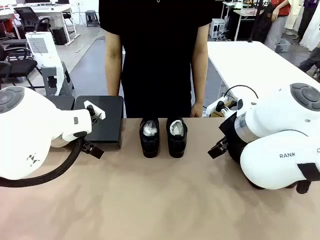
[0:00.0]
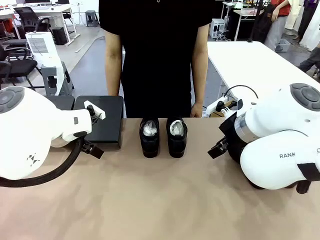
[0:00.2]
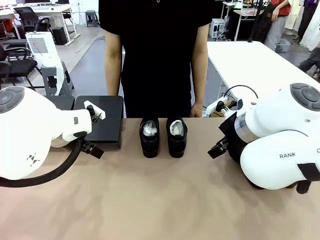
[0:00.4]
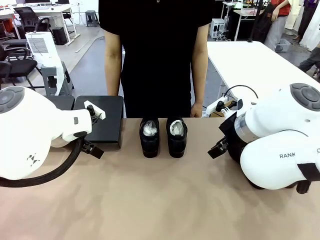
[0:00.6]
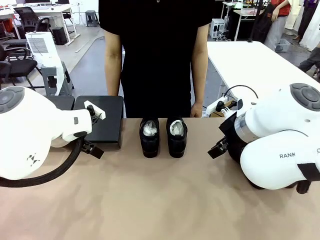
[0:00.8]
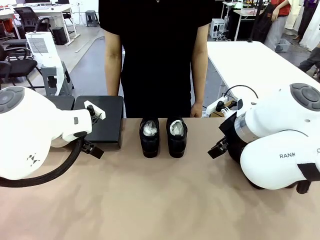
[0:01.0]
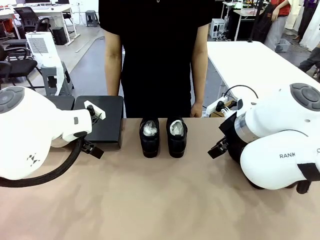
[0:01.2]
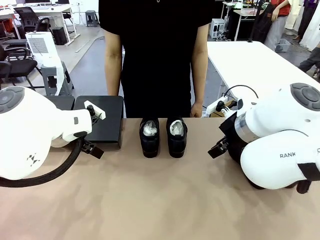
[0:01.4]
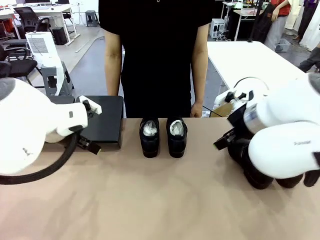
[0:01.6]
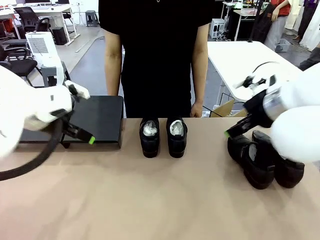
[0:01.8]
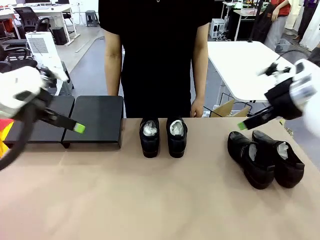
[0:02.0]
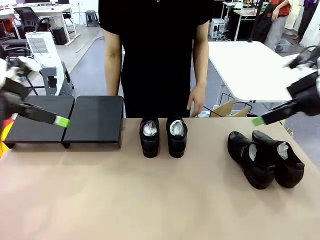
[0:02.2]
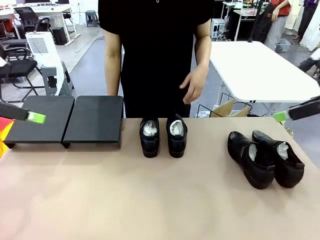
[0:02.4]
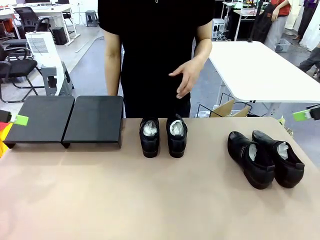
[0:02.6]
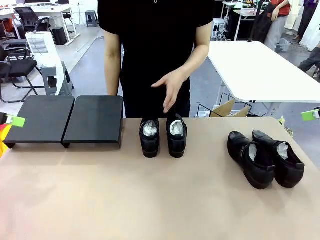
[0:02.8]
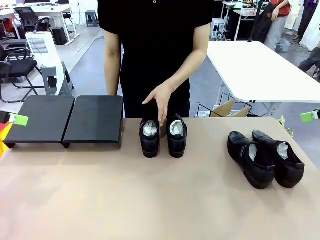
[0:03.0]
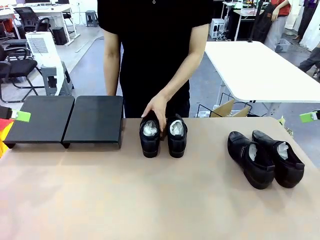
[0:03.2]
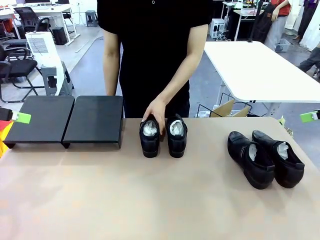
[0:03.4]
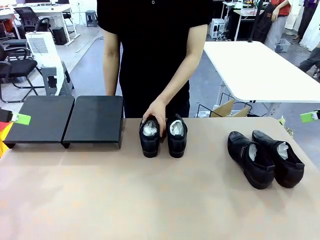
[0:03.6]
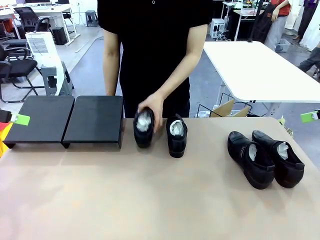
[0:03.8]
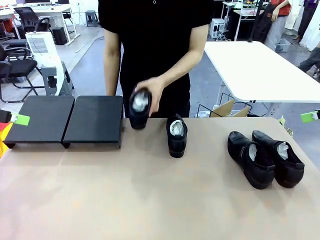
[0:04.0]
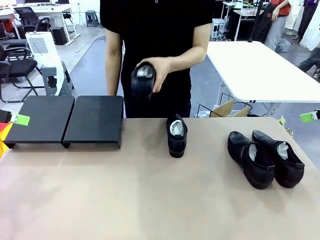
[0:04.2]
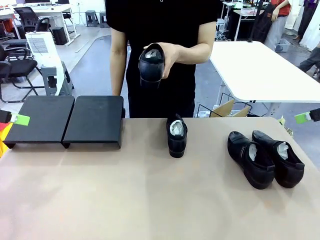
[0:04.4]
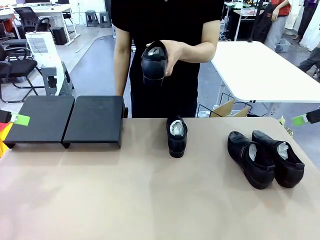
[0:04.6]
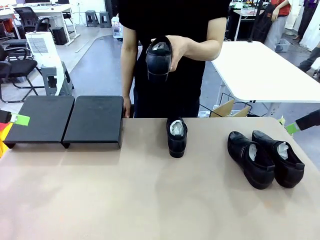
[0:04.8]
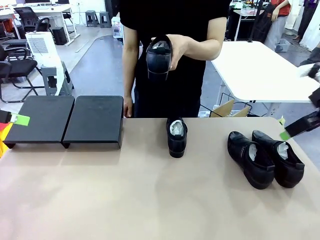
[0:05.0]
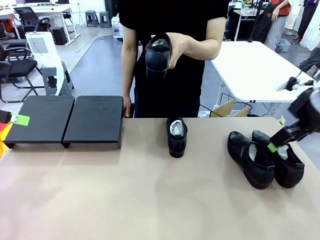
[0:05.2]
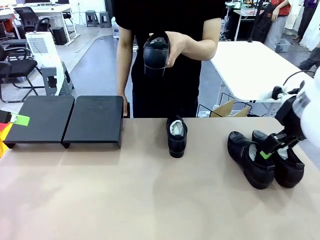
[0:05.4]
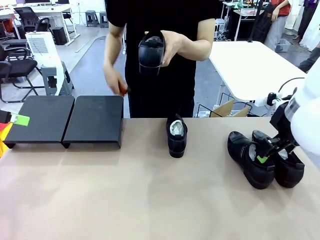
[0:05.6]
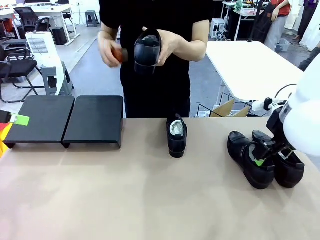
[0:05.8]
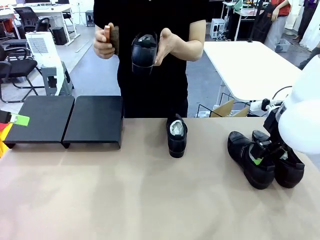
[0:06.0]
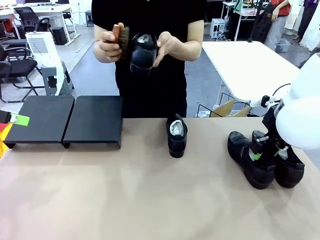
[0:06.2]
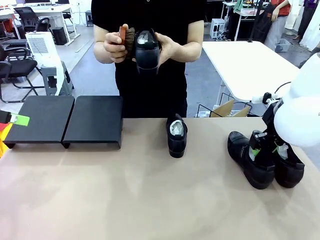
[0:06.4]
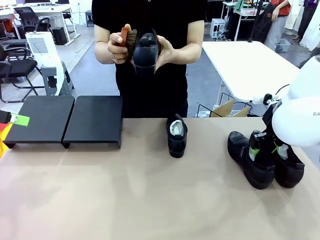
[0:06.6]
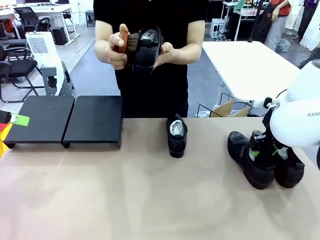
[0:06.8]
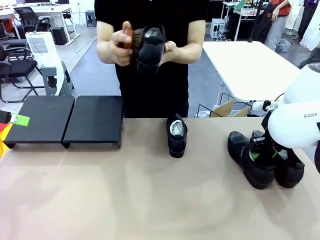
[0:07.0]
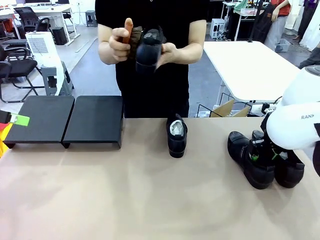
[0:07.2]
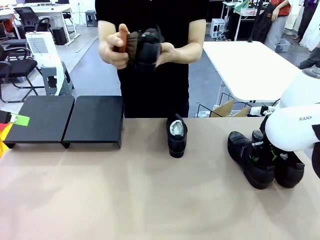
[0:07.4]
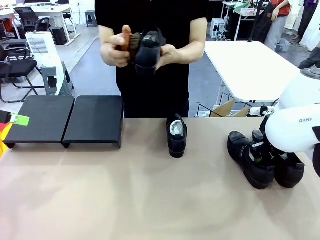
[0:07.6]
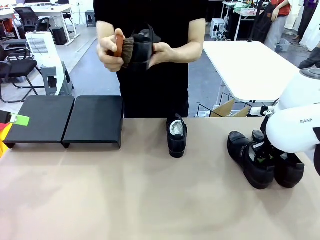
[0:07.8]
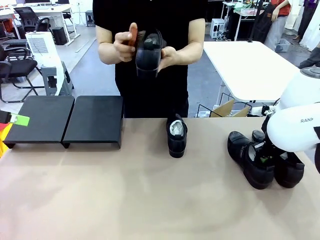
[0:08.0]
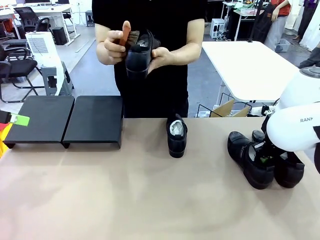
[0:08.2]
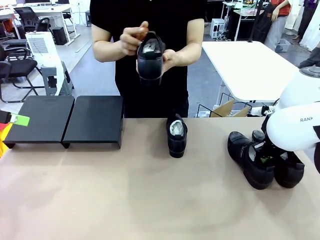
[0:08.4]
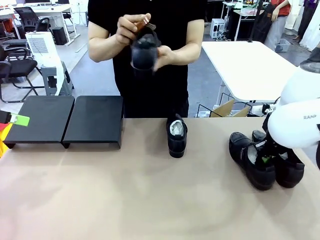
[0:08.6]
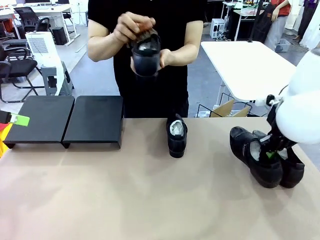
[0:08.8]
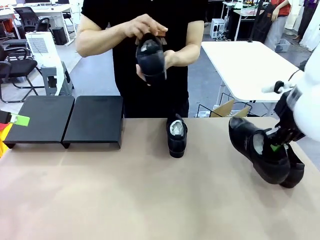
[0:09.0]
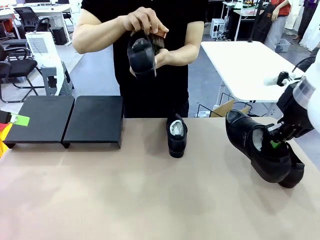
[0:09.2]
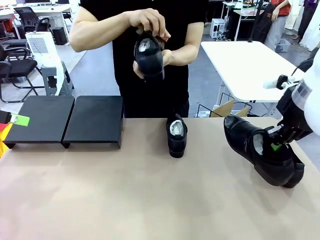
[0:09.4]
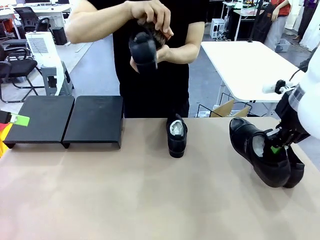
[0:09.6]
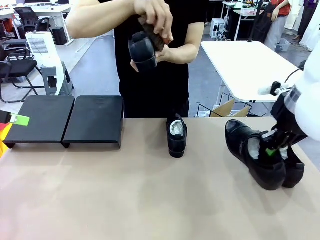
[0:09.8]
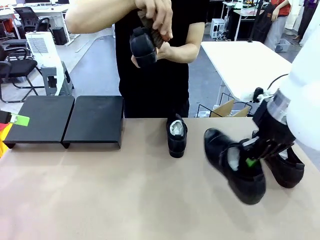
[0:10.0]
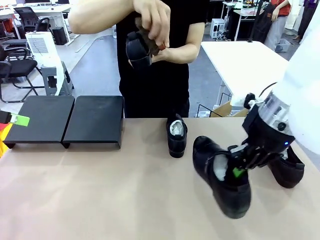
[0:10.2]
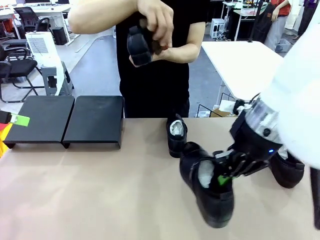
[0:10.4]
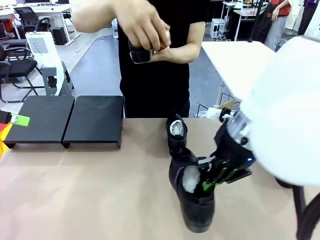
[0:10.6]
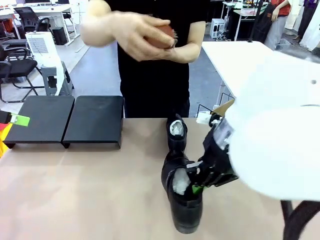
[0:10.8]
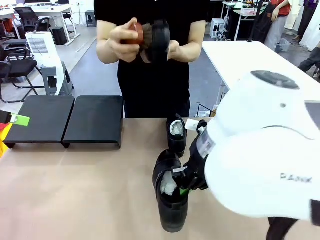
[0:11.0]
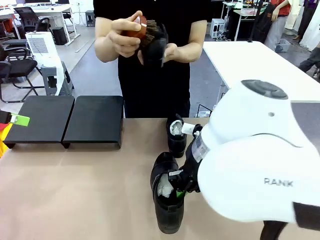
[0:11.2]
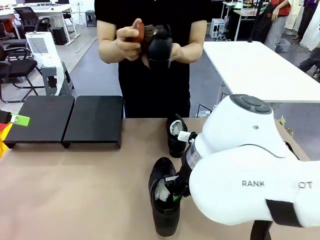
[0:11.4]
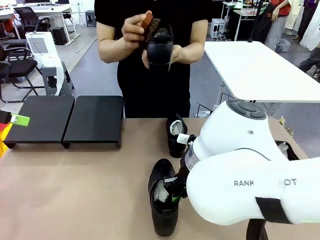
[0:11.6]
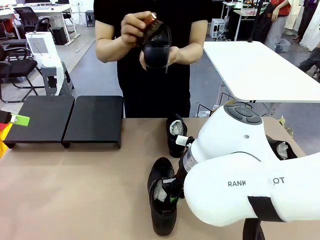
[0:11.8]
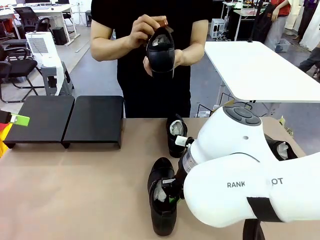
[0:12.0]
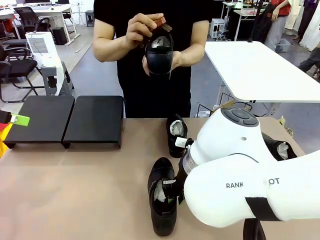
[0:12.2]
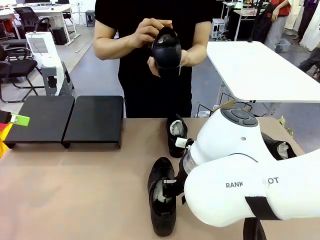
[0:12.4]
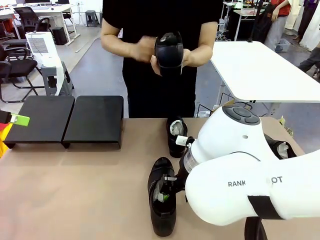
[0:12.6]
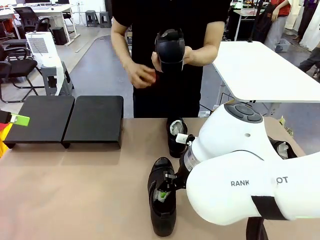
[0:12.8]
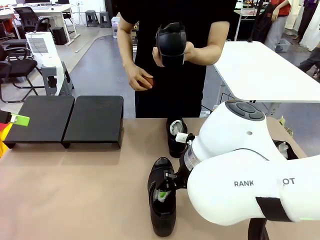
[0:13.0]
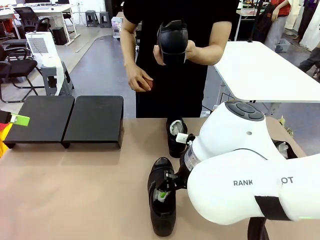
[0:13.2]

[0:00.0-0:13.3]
Task: Organize the shoes by placing them on the stand.
Robot: Pick up one Shoe and place it in the middle of the table.
Person: Pick one Shoe on Robot's table. Clean the Shoe with the Shoe Brush.
